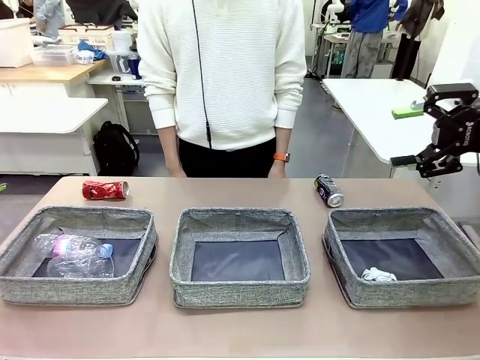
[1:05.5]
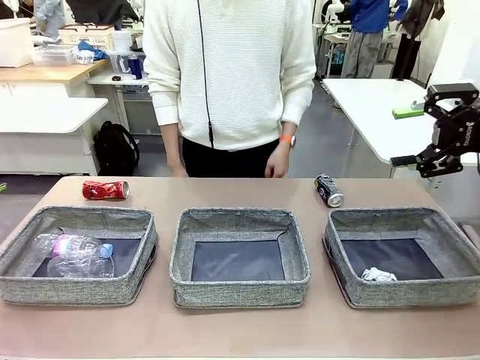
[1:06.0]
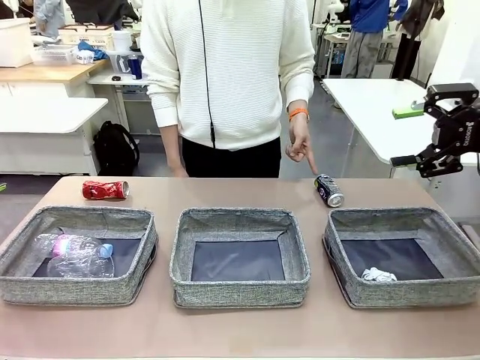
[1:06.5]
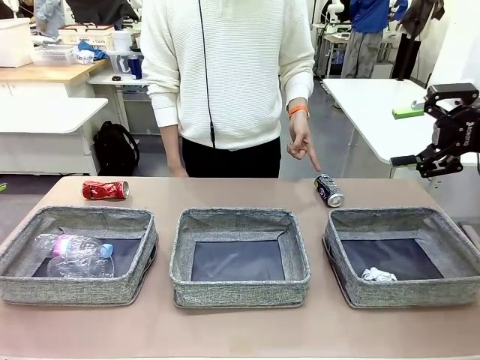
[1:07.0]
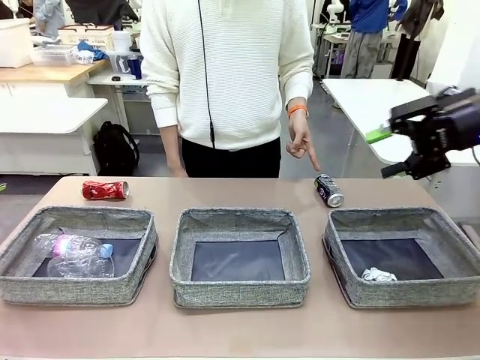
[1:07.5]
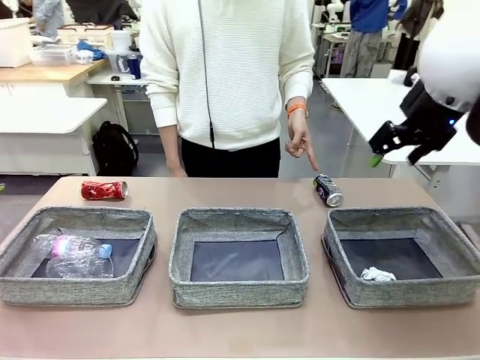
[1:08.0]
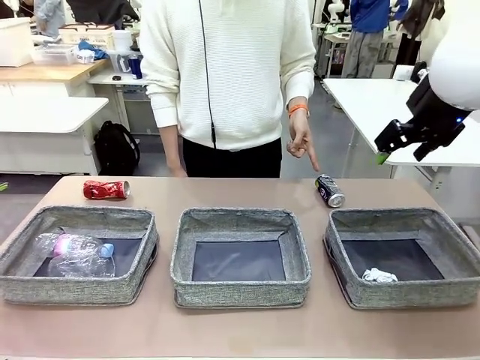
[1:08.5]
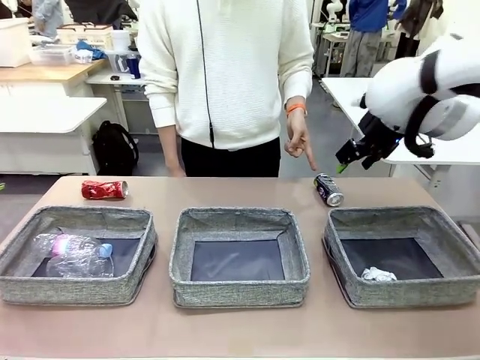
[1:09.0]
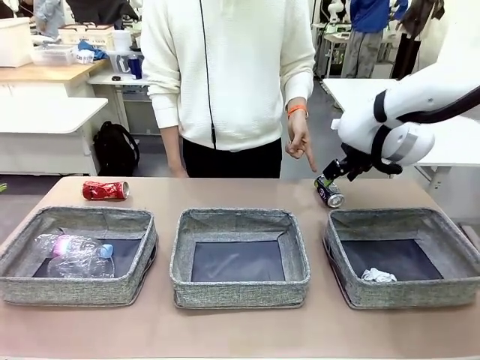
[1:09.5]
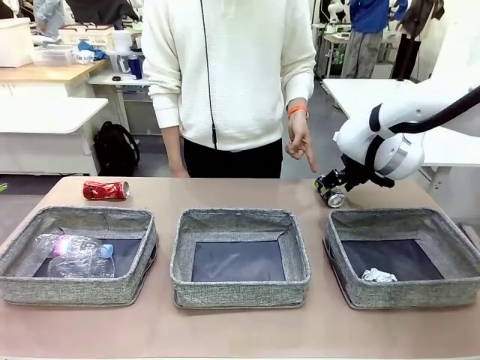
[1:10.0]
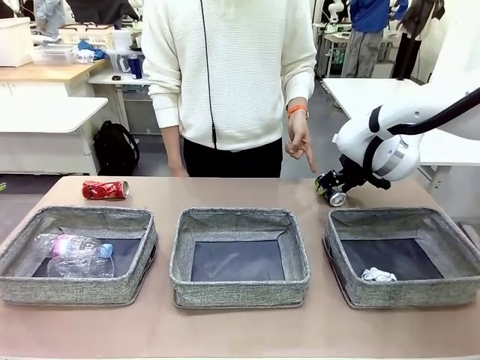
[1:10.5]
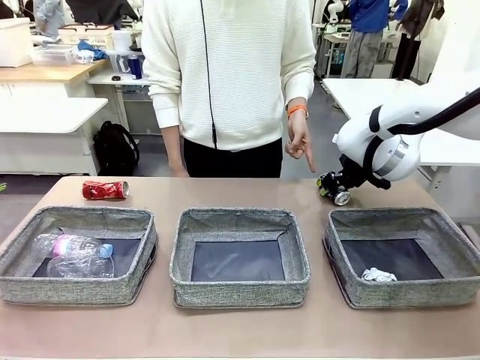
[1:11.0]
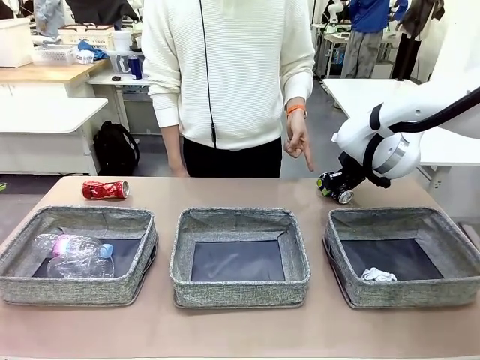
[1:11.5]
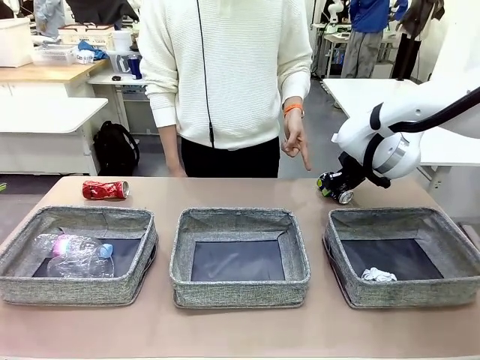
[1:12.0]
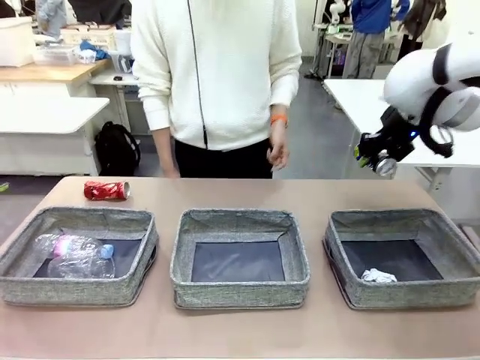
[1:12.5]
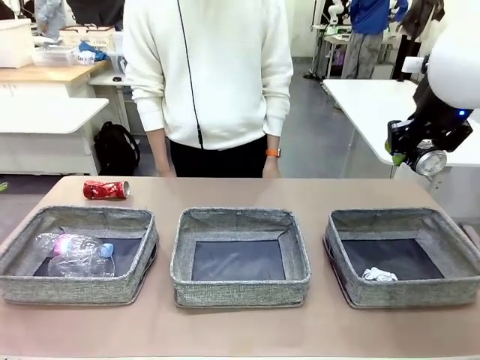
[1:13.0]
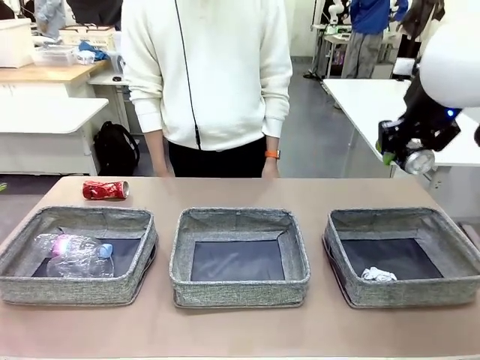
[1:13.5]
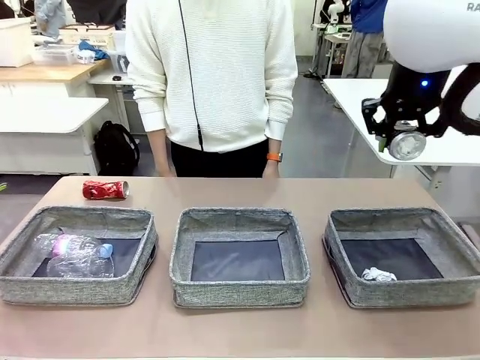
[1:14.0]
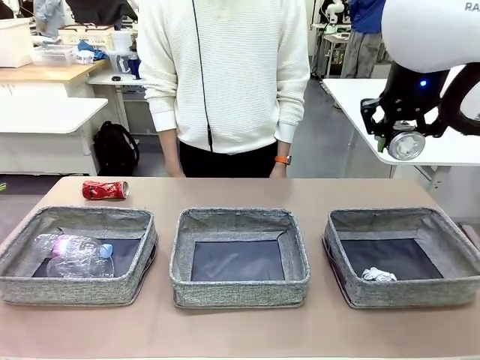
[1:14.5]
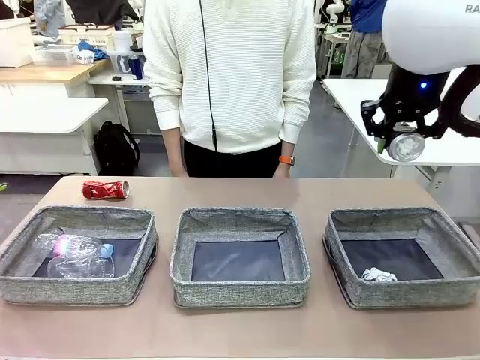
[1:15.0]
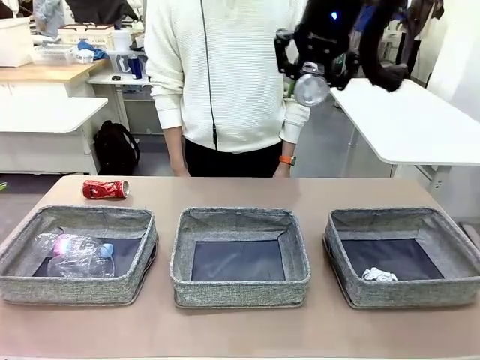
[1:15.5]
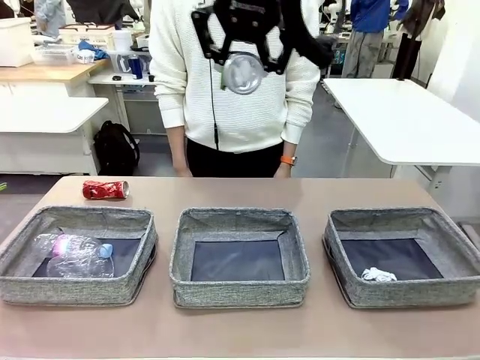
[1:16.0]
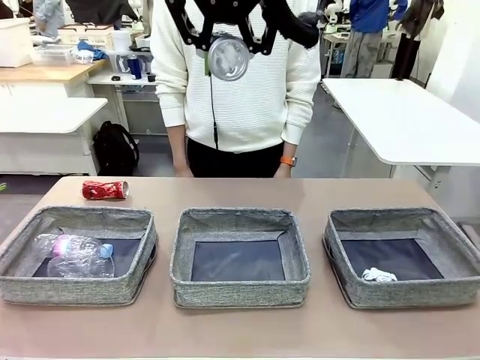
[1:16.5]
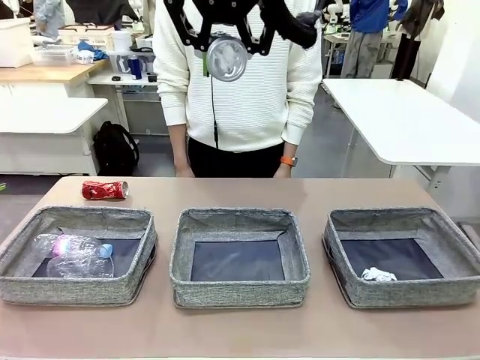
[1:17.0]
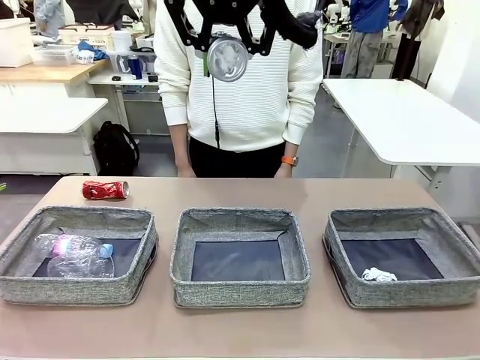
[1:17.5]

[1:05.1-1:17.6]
Task: Sort the waste into the appropriate baskets.
Robot: Pick up the waste item pointed out by the person.
Person: Points to one piece of trash on the table.

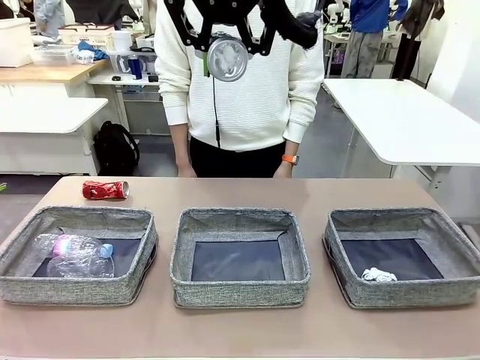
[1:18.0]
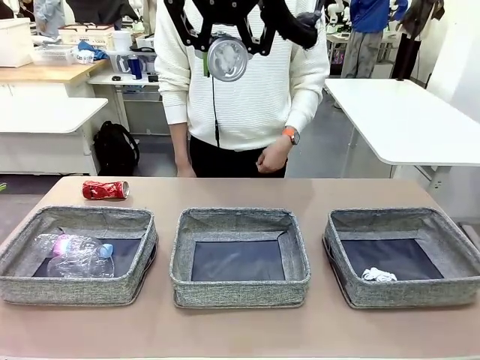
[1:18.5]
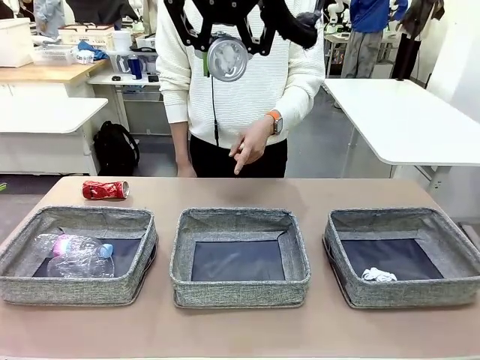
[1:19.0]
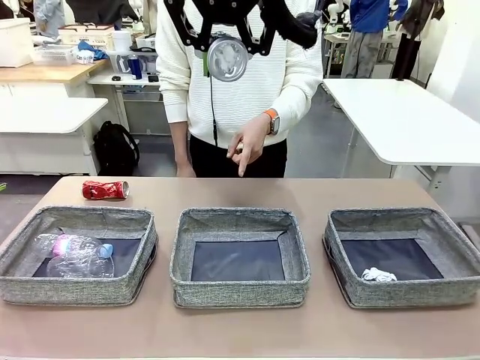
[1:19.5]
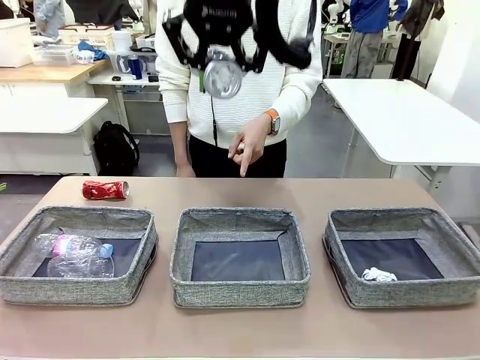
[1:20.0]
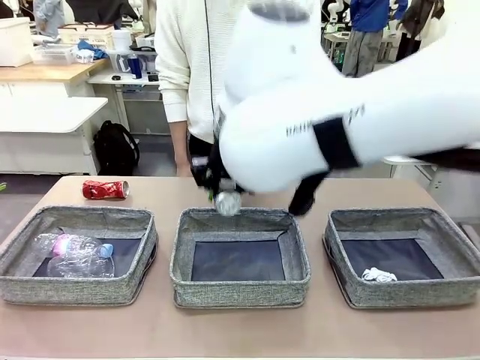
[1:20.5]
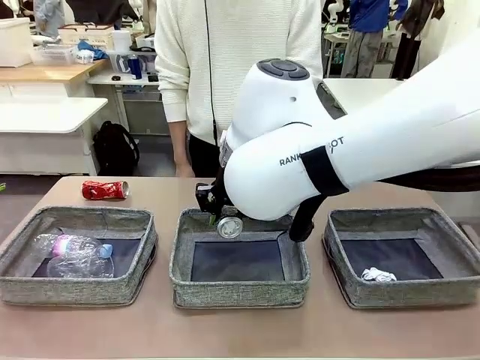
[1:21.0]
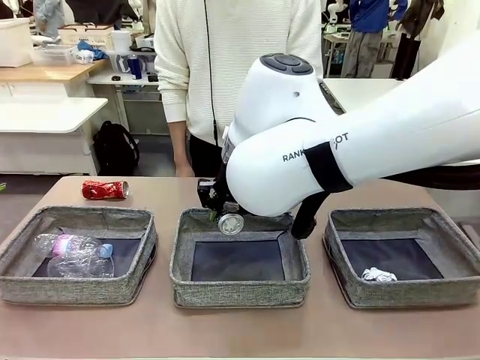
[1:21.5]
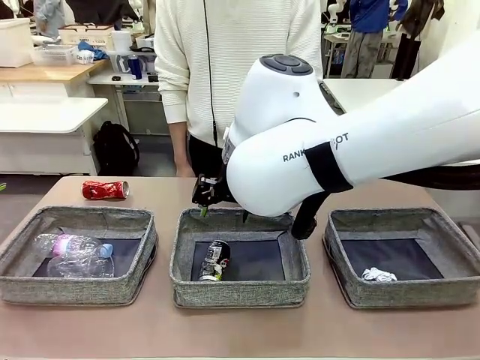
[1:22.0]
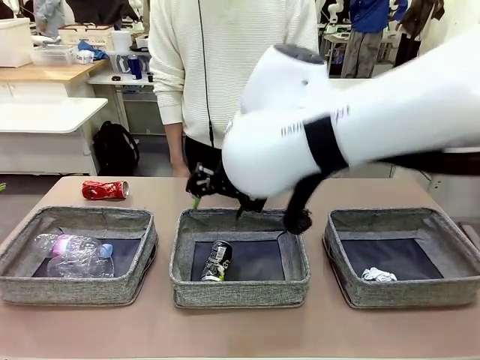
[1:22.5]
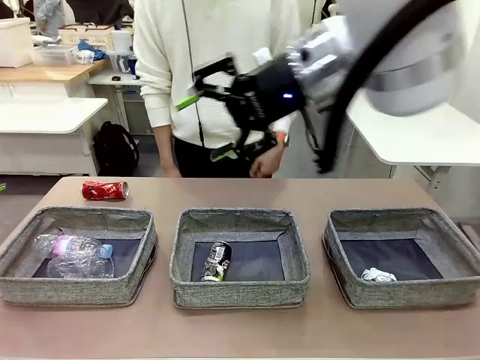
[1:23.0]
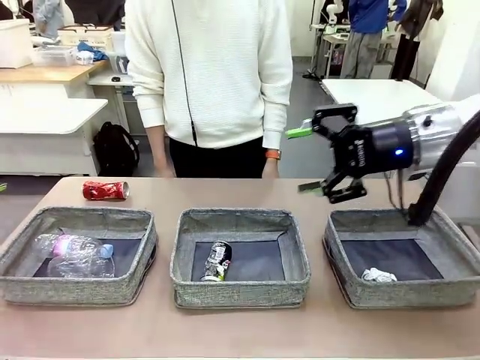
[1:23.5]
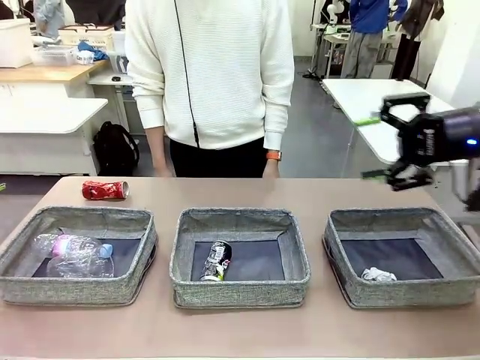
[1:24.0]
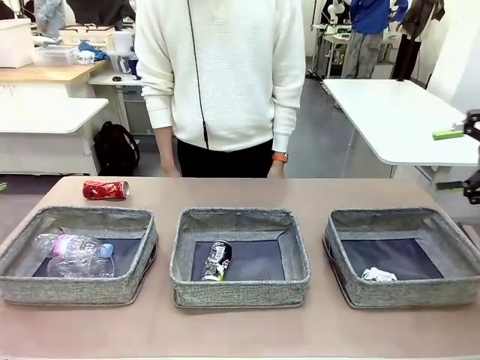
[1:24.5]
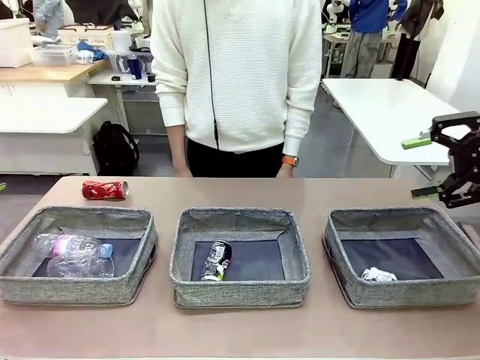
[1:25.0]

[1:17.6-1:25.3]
Robot: Place the picked waste into the Fabric basket indicated by the person.
Person: Instructs the robot to place the picked-up trash into the appropriate organizing basket.

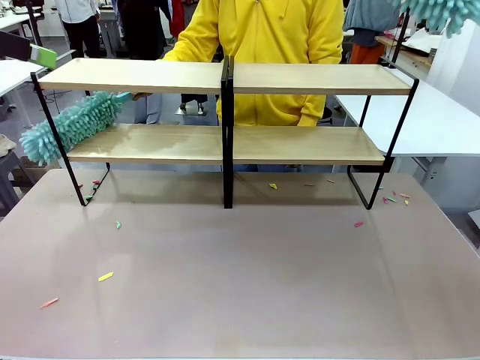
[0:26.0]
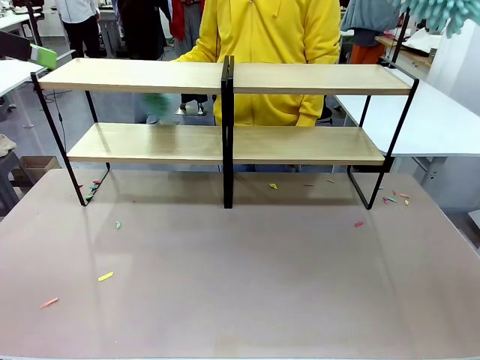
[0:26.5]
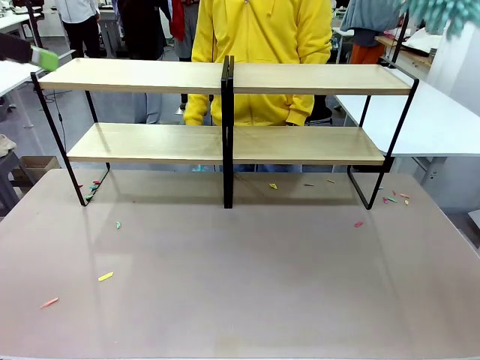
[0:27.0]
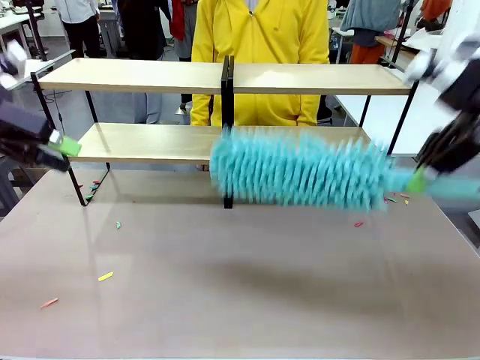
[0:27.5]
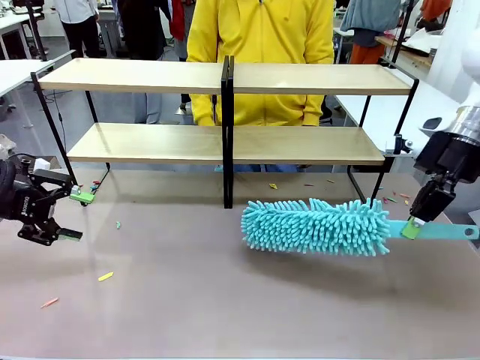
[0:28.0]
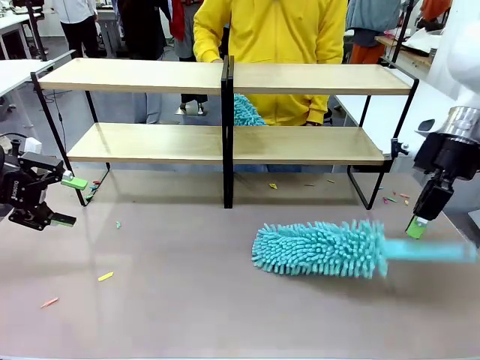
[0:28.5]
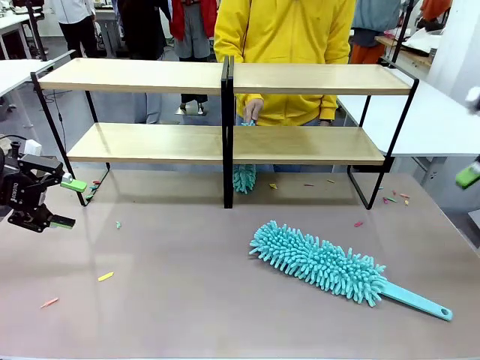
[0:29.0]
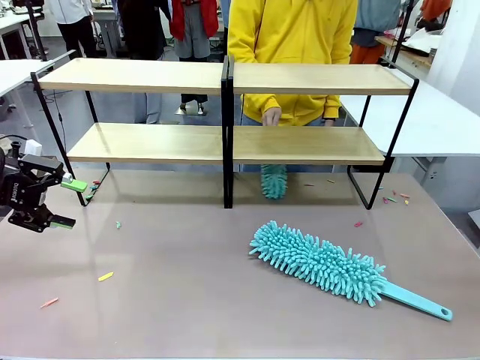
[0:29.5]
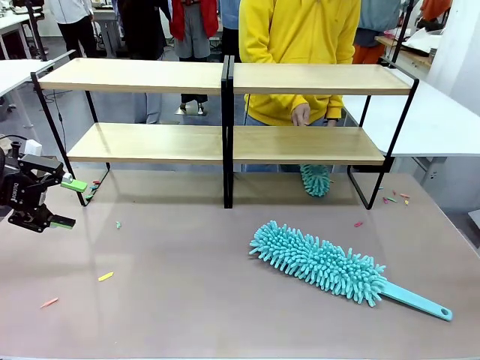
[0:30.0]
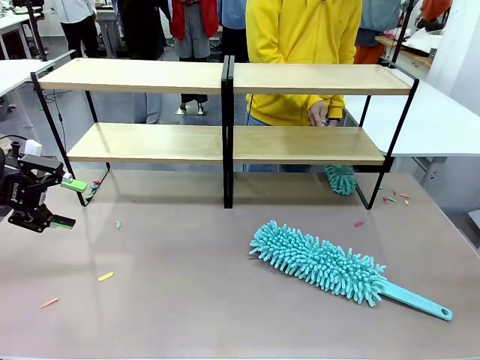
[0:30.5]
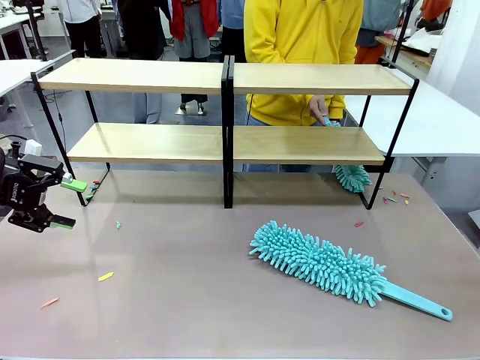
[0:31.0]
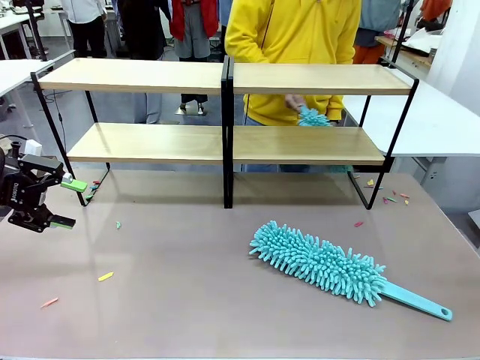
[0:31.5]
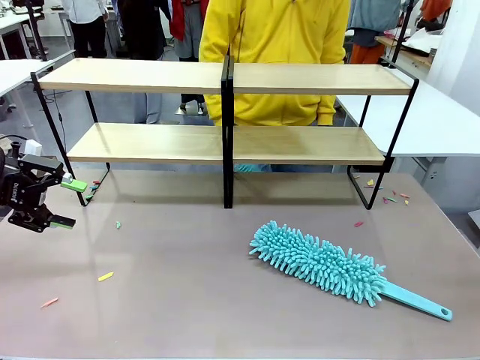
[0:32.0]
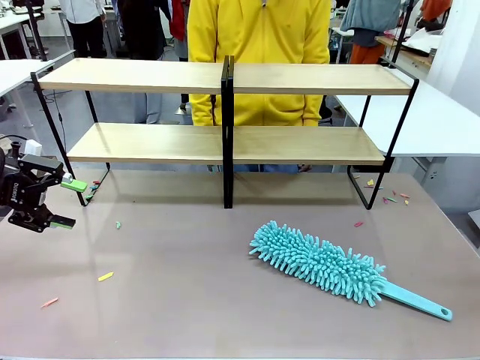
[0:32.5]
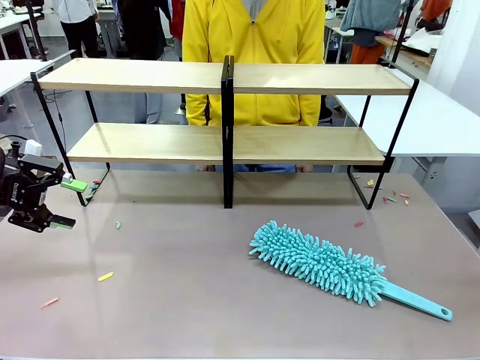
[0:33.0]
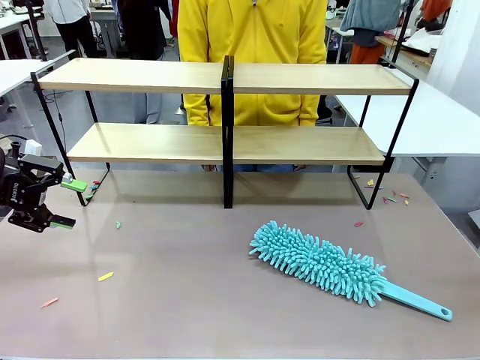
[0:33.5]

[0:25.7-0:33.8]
Task: Clean the shelves.
Robot: Place the Duster on the table.
